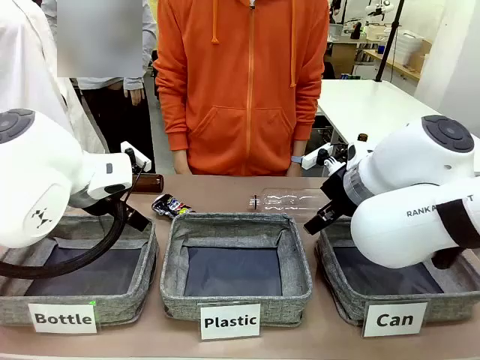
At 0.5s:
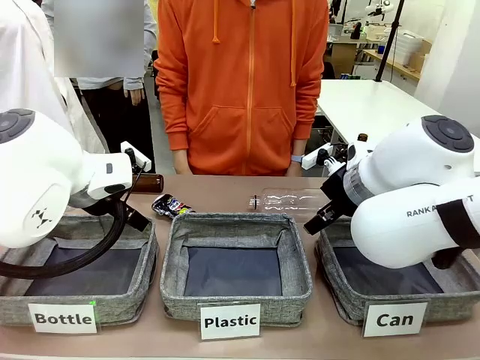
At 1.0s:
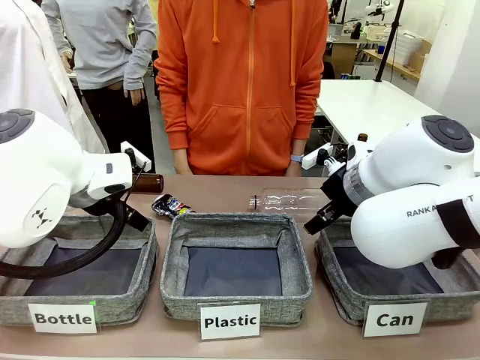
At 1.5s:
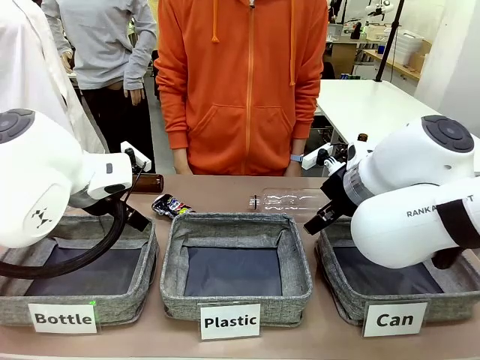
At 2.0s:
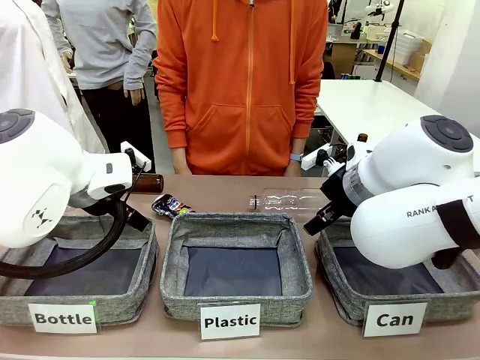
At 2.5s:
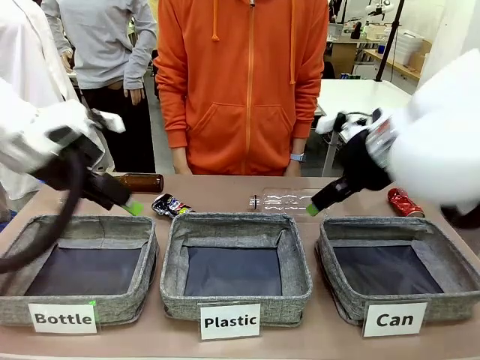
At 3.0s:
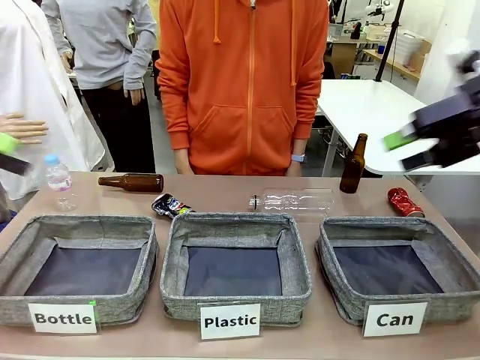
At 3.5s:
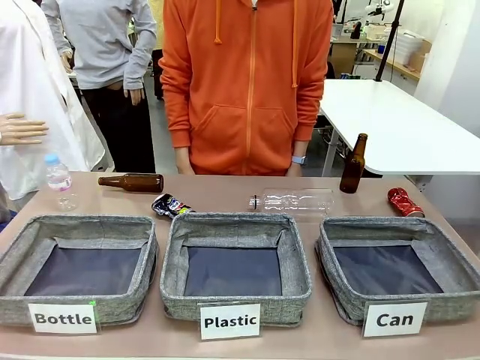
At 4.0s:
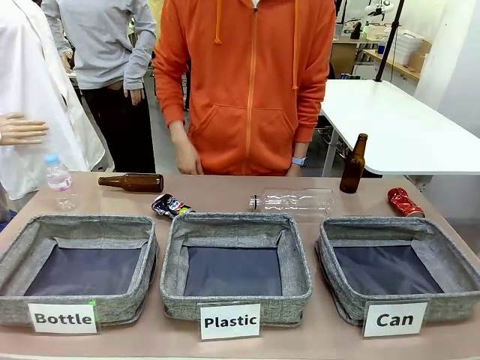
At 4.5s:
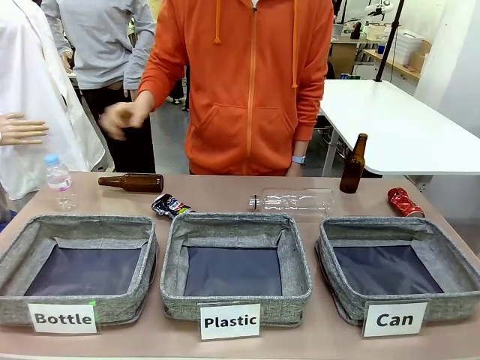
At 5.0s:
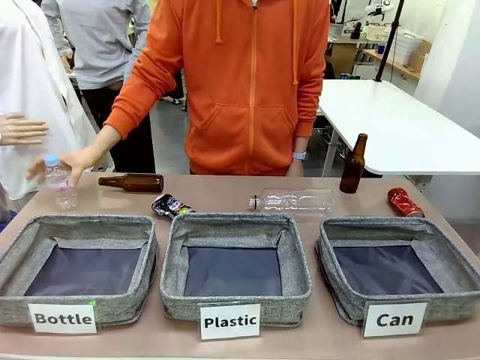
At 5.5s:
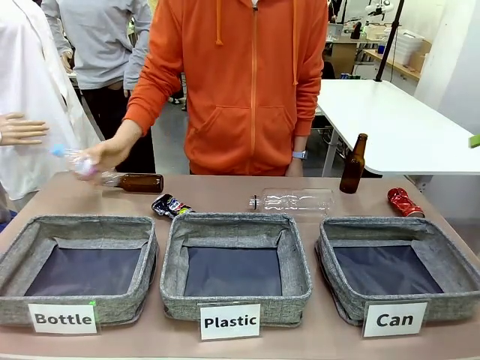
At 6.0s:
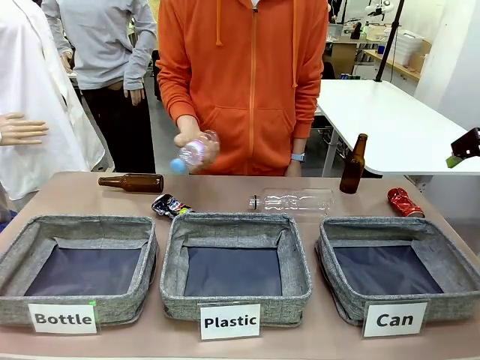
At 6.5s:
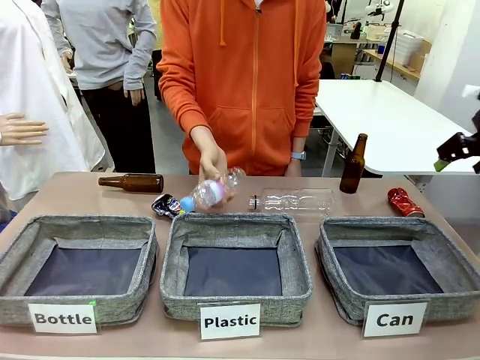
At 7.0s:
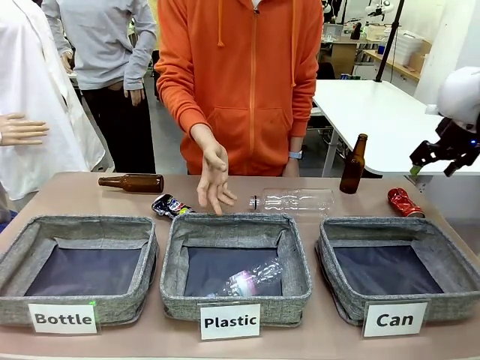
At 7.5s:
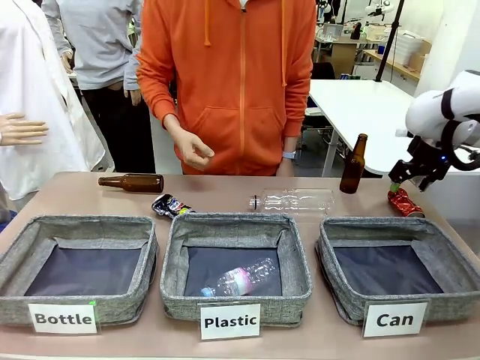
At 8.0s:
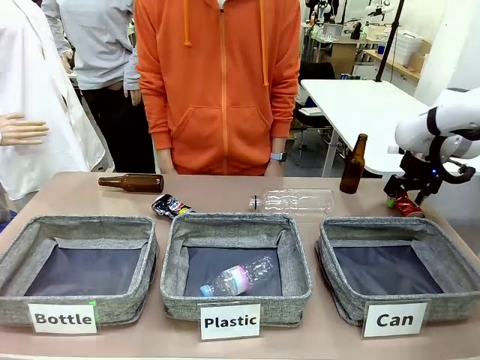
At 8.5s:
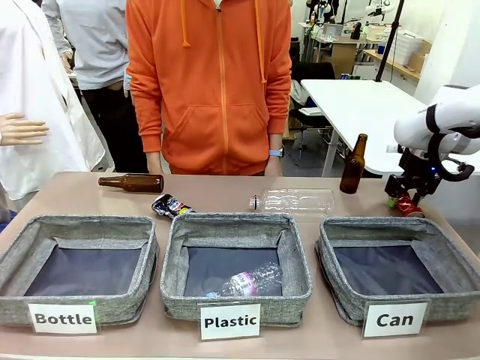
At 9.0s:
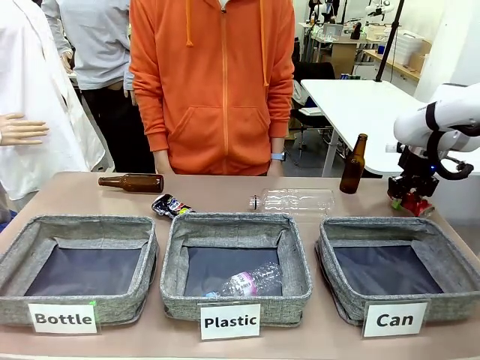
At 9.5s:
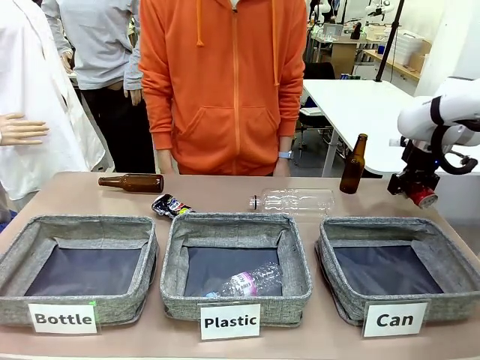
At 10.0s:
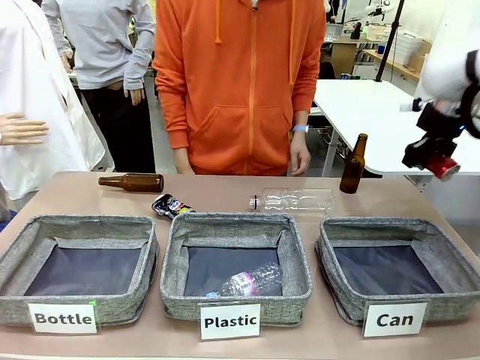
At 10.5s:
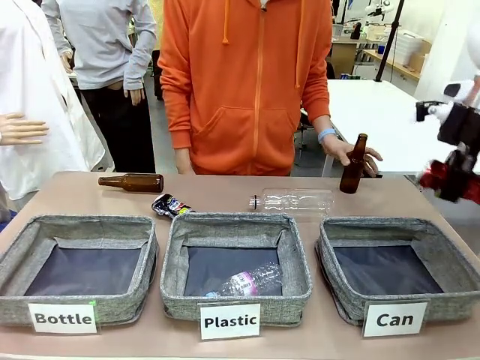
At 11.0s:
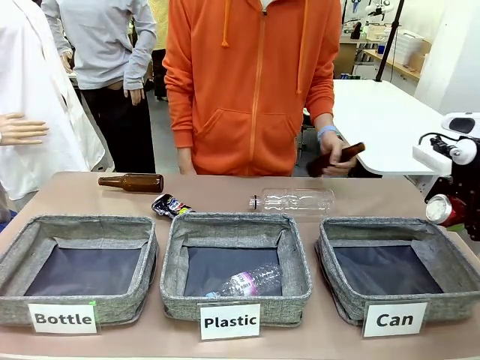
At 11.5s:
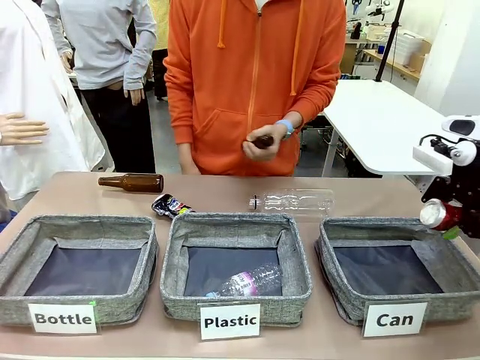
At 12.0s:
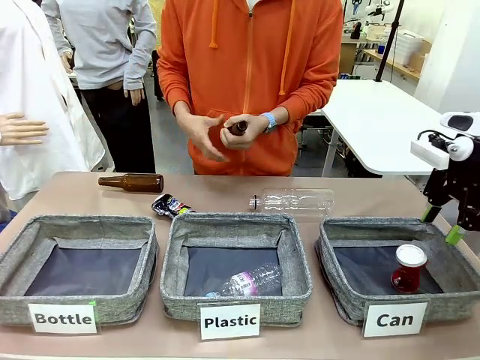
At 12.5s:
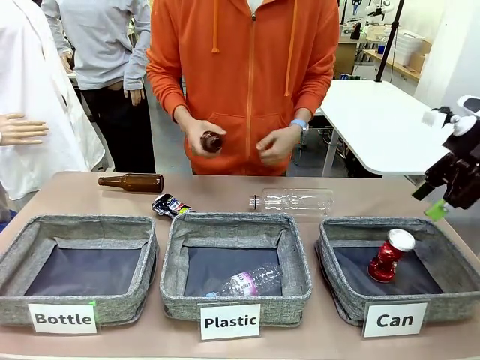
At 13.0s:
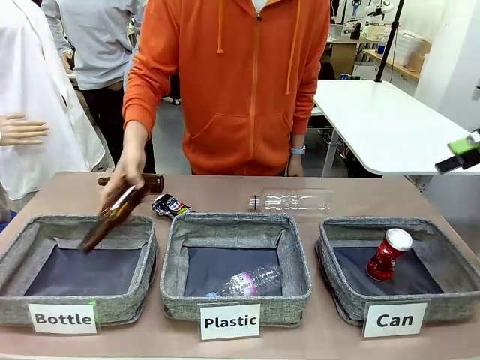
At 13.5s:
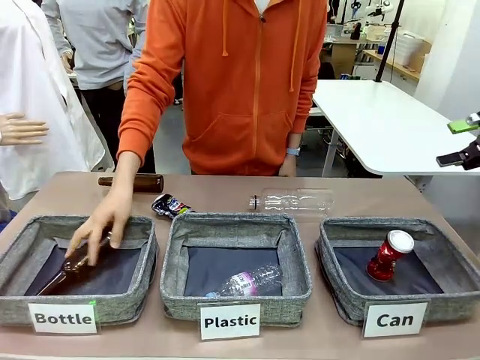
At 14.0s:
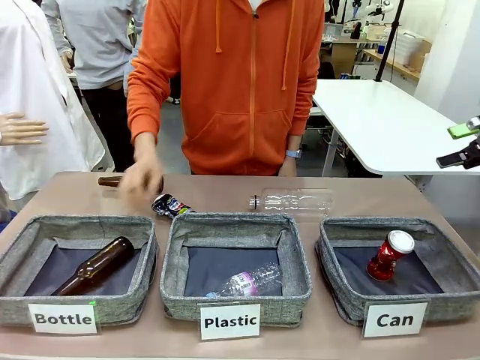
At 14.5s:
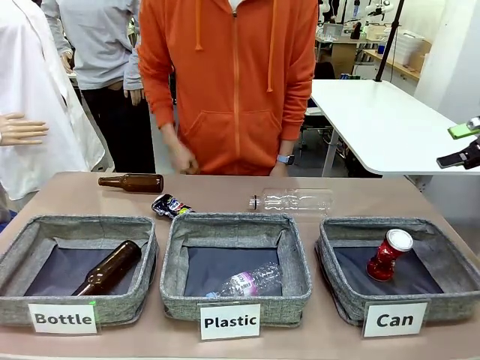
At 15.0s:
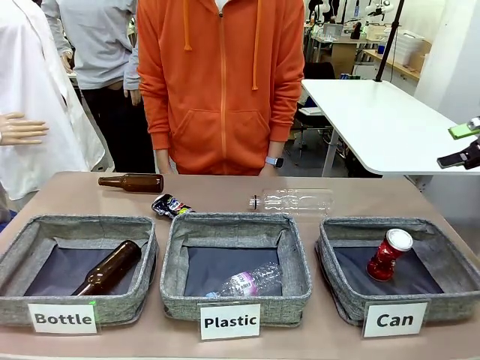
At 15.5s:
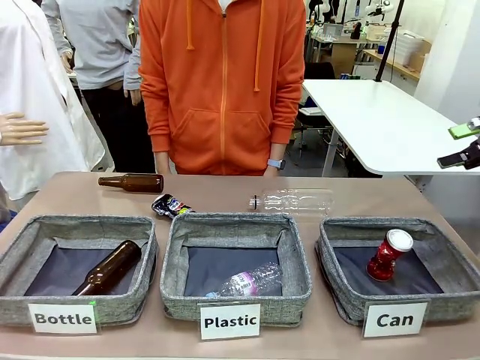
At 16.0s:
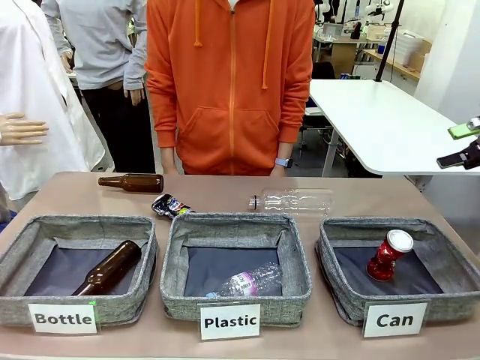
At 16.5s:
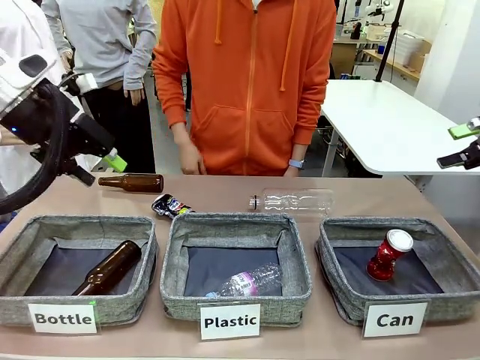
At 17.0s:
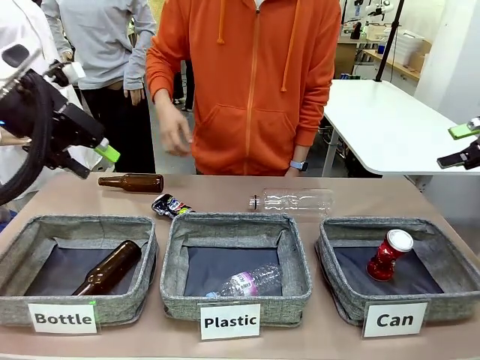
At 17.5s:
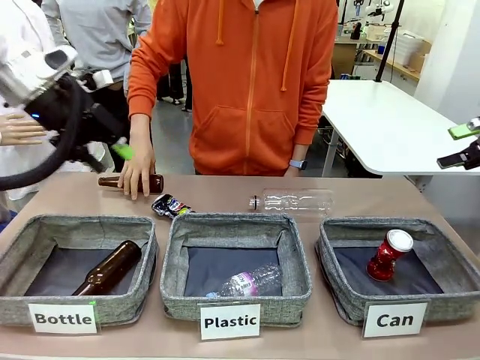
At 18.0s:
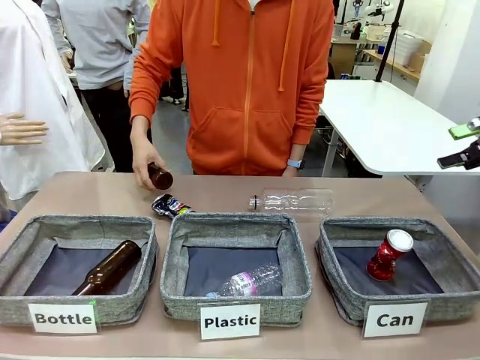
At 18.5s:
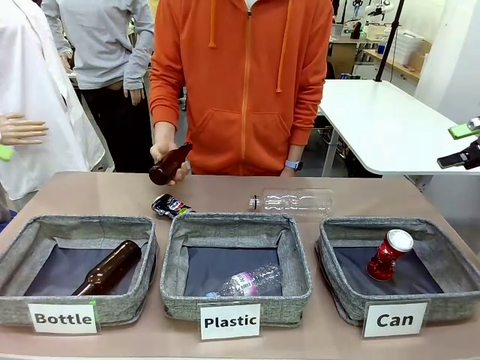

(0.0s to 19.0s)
Task: Sort the can waste into the basket.
Robot: Pick up the can waste from the table and place it in the right Fabric basket.

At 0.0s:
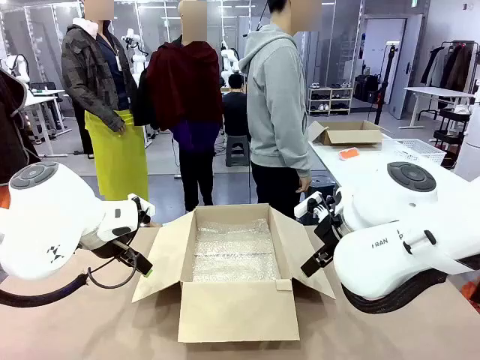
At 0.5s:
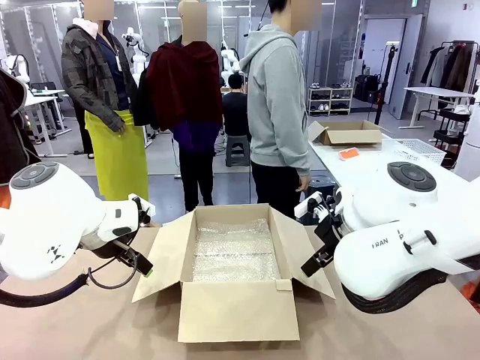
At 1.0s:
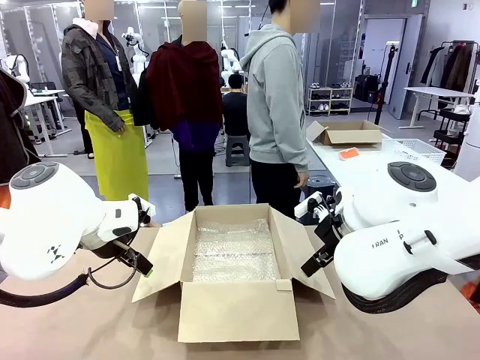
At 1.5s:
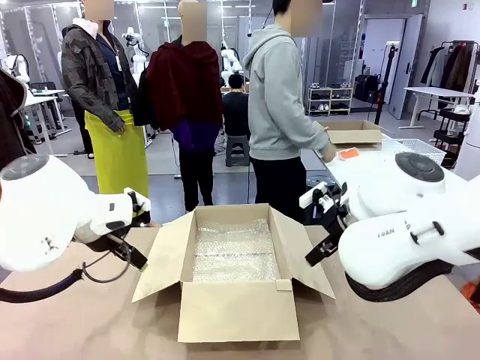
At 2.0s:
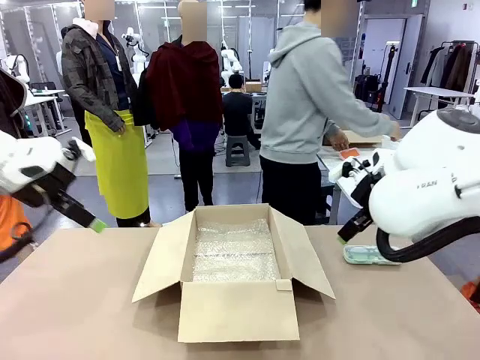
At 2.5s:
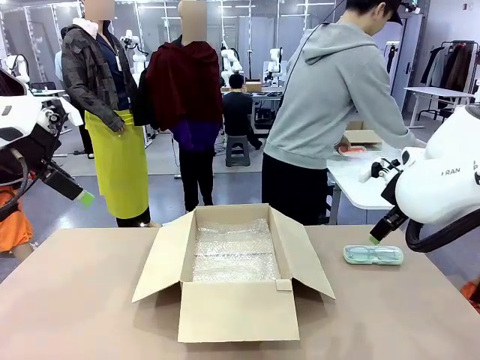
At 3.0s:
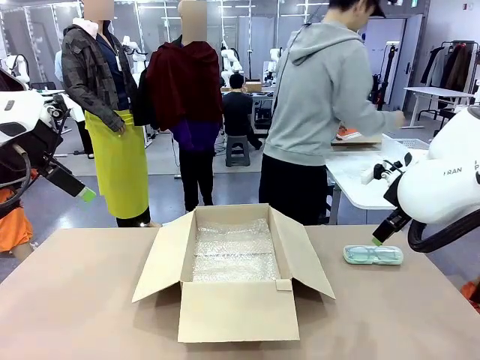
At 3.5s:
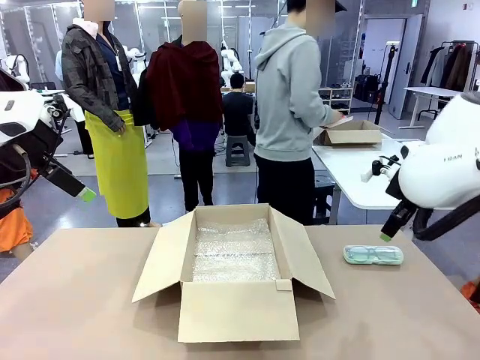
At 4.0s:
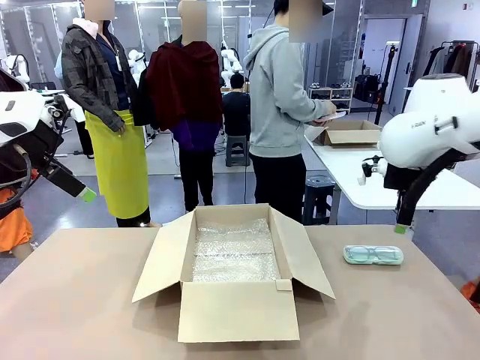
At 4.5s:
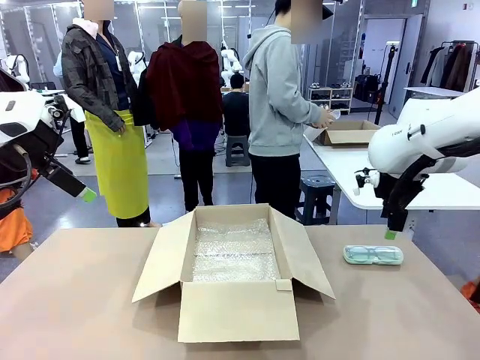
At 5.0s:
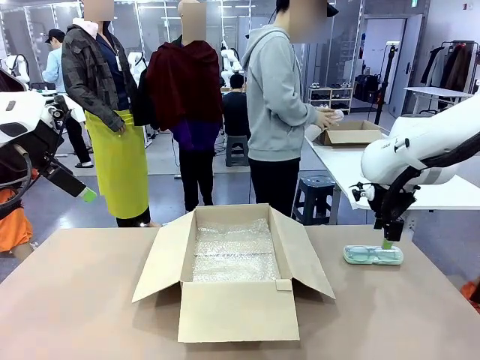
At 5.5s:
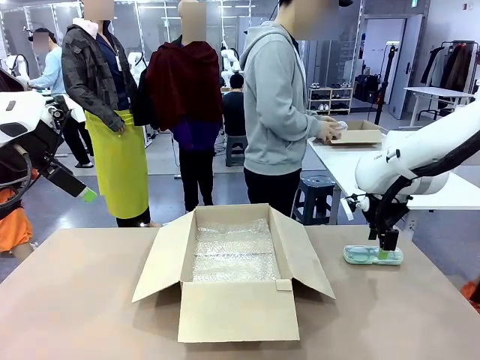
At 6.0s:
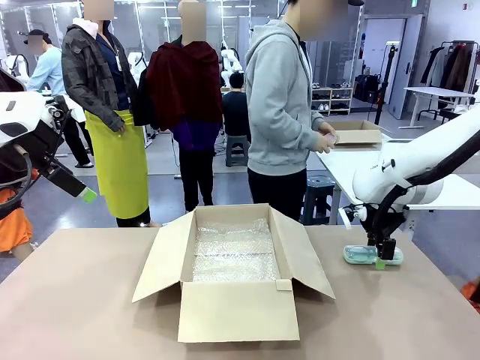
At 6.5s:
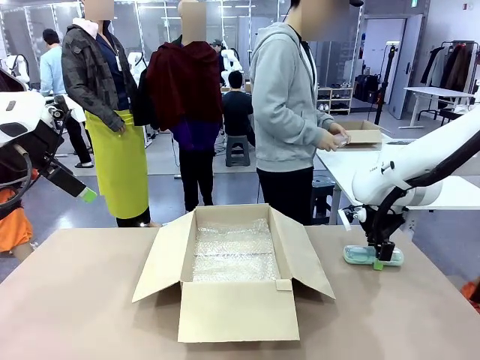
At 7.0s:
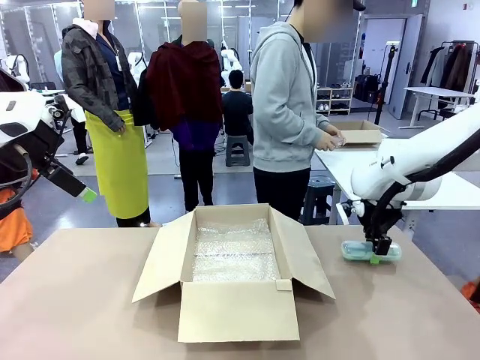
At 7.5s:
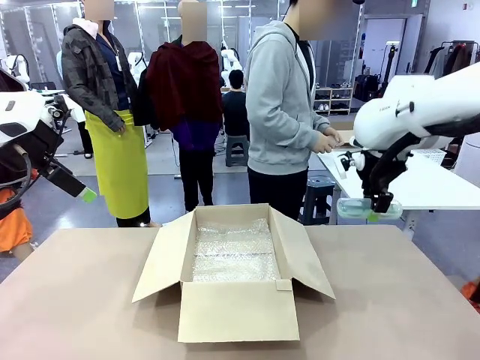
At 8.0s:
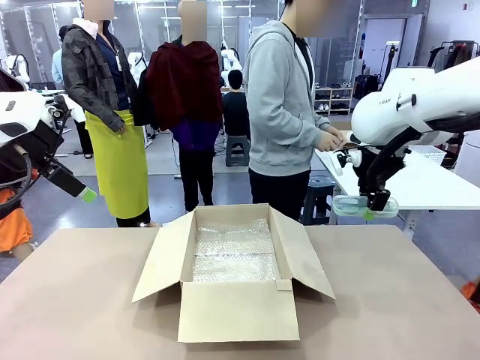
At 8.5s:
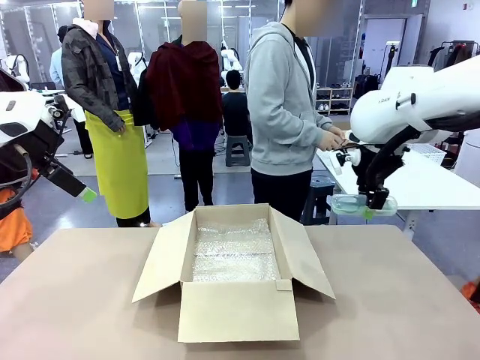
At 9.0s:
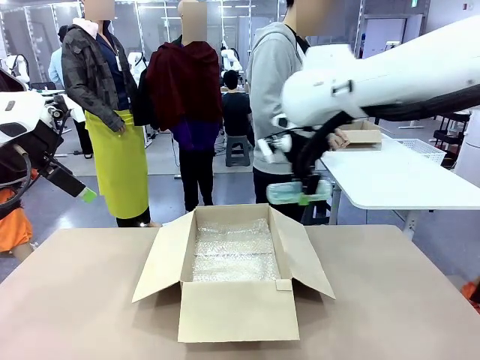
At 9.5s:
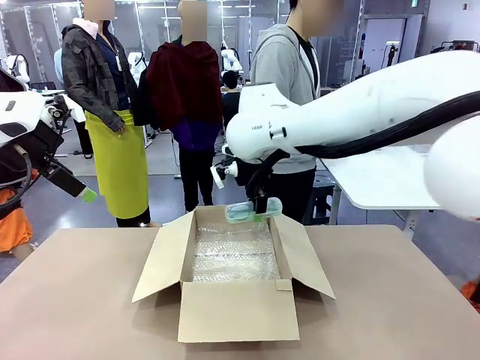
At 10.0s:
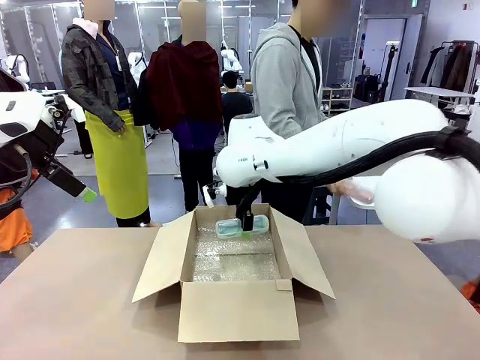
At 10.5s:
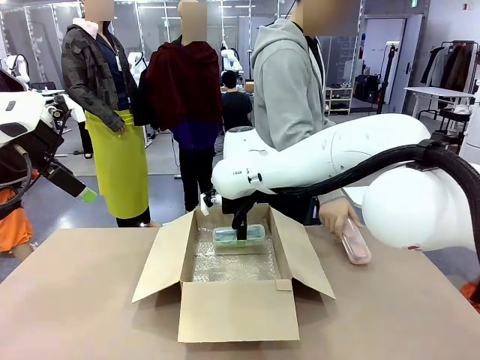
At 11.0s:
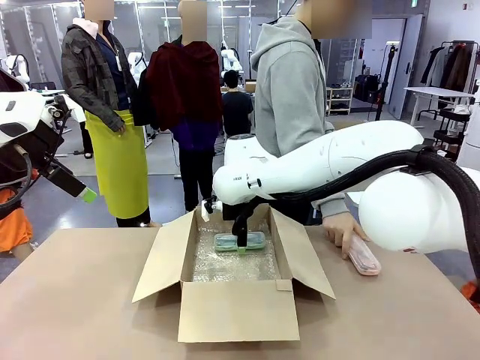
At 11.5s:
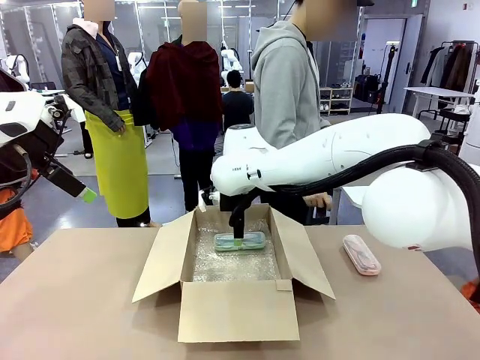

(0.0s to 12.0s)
Task: Pack the glasses set securely to prepare it for shipping.
Robot: Place the Glasses case inside the Package Box.
Person: Place the Glasses inside the Glasses case. Position the Glasses case on the left side of the robot's table.
